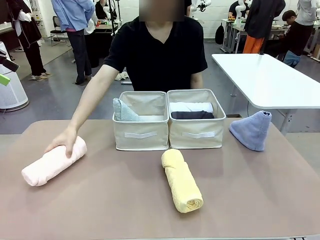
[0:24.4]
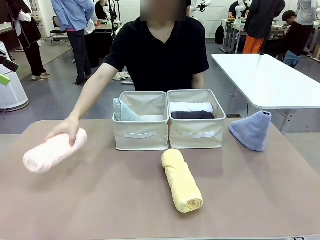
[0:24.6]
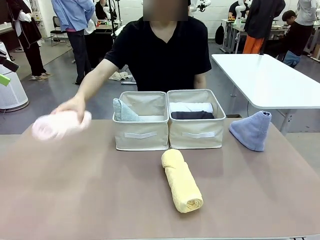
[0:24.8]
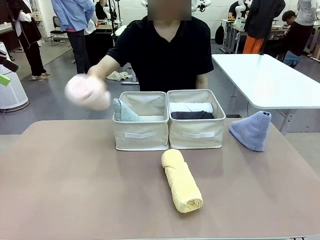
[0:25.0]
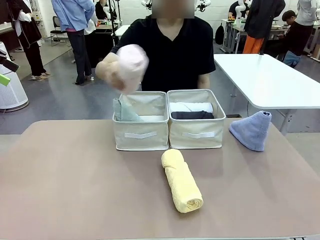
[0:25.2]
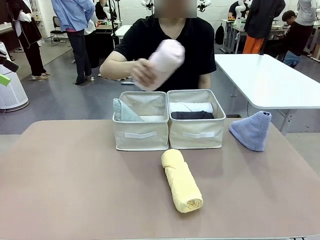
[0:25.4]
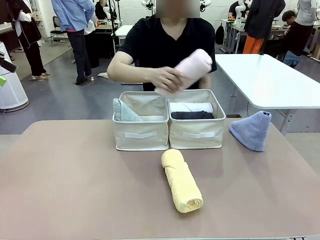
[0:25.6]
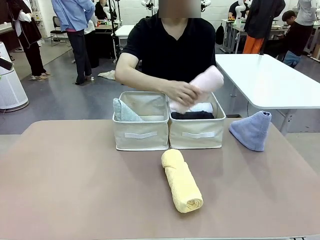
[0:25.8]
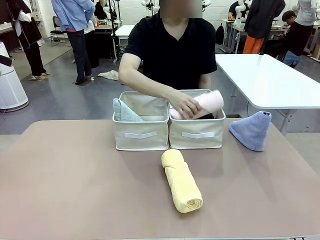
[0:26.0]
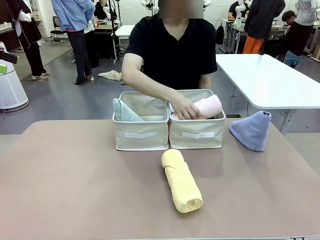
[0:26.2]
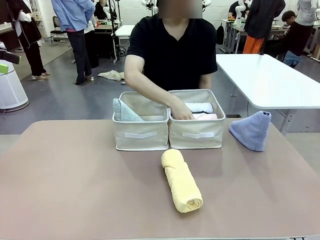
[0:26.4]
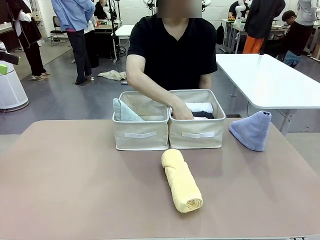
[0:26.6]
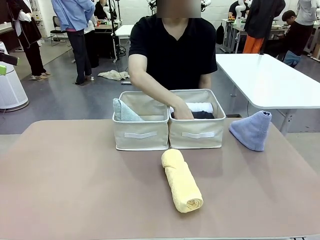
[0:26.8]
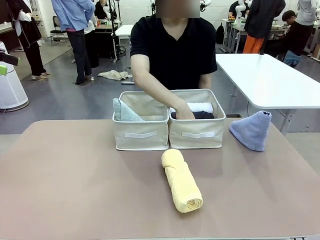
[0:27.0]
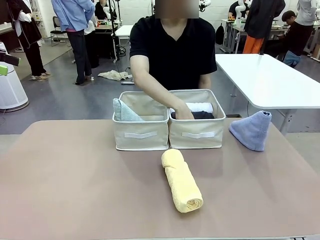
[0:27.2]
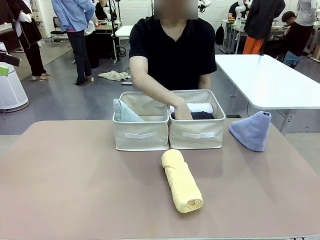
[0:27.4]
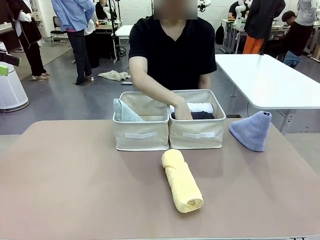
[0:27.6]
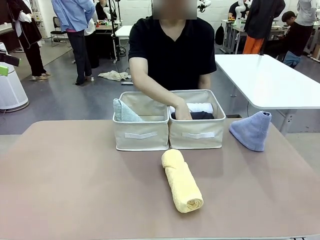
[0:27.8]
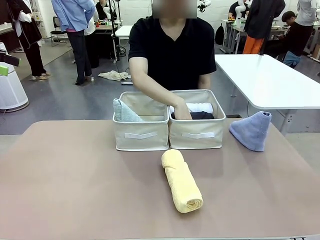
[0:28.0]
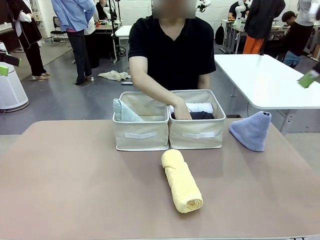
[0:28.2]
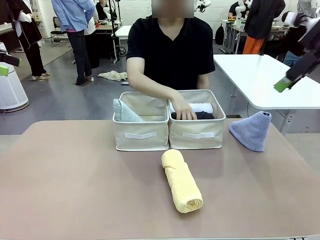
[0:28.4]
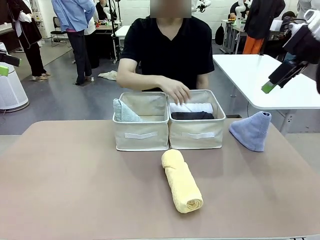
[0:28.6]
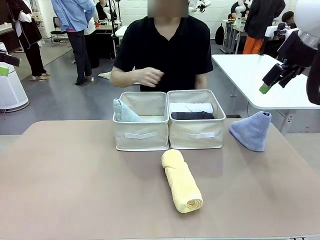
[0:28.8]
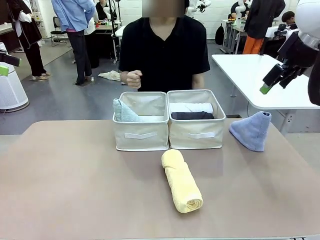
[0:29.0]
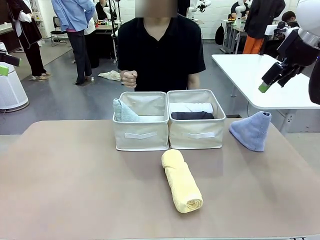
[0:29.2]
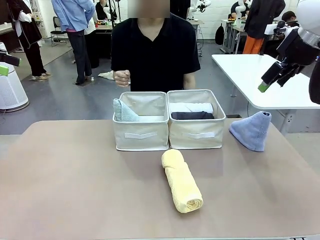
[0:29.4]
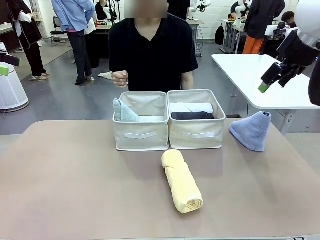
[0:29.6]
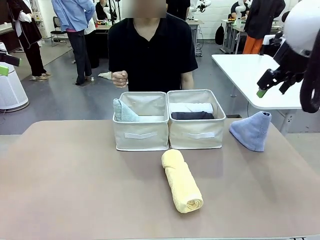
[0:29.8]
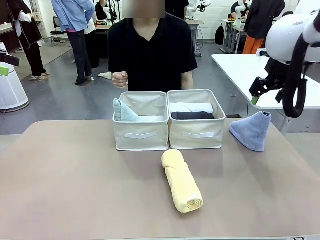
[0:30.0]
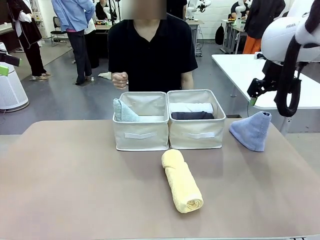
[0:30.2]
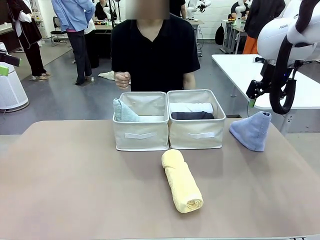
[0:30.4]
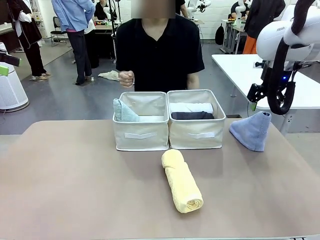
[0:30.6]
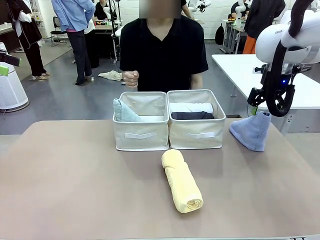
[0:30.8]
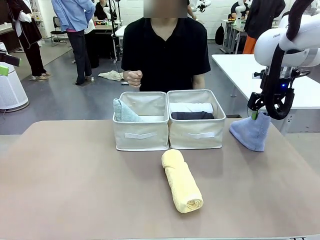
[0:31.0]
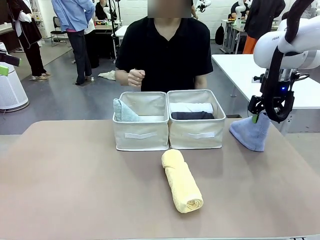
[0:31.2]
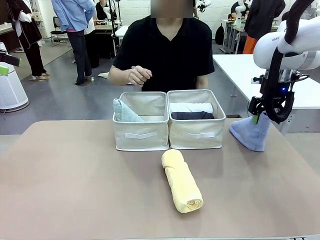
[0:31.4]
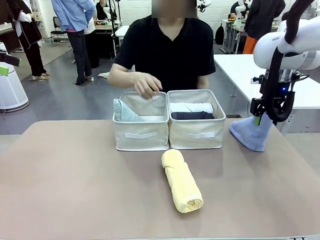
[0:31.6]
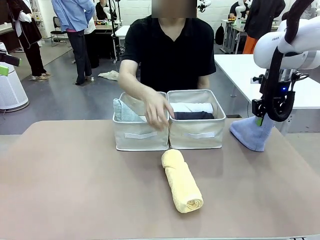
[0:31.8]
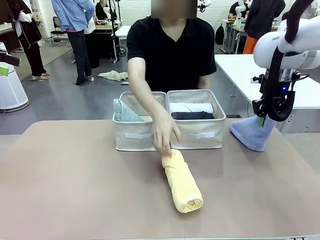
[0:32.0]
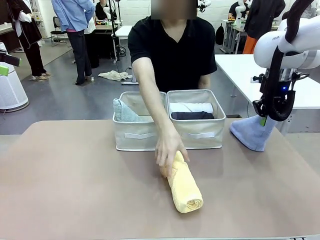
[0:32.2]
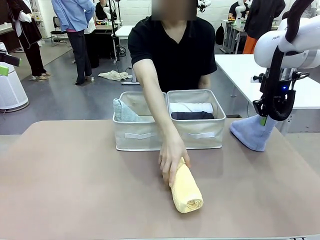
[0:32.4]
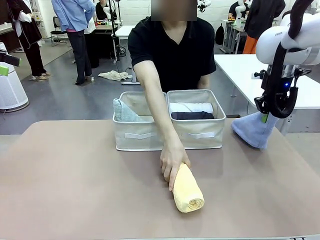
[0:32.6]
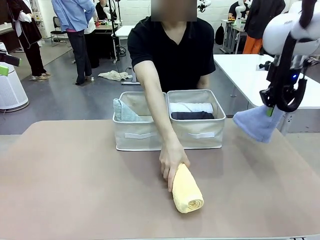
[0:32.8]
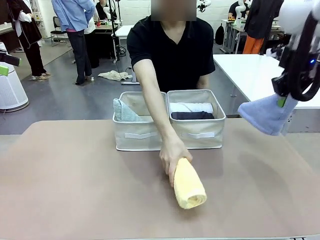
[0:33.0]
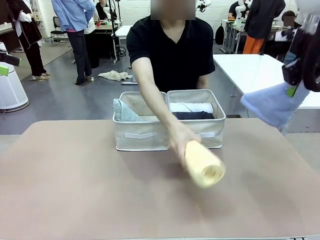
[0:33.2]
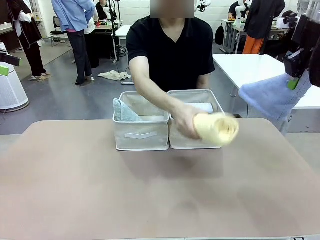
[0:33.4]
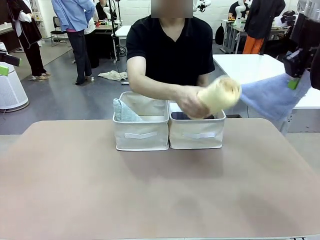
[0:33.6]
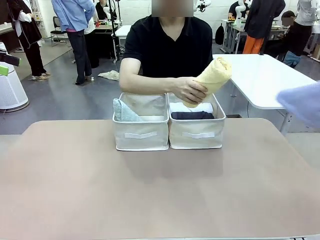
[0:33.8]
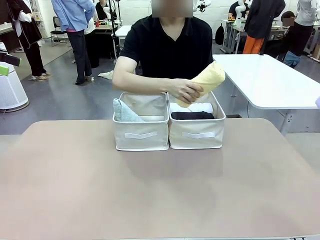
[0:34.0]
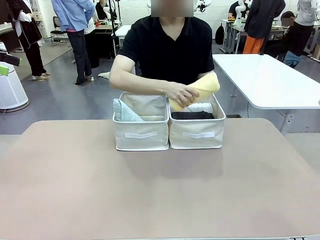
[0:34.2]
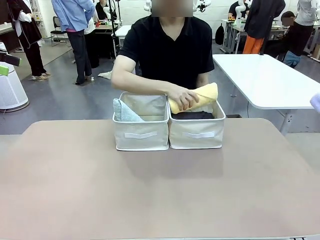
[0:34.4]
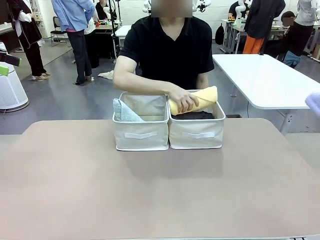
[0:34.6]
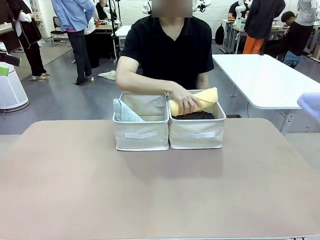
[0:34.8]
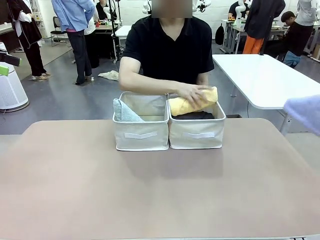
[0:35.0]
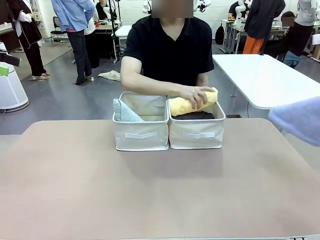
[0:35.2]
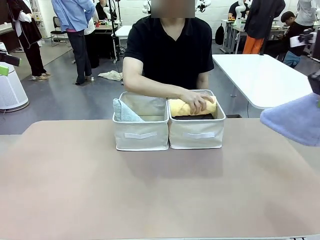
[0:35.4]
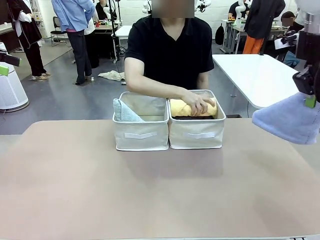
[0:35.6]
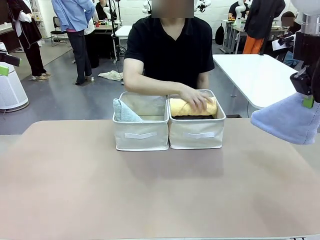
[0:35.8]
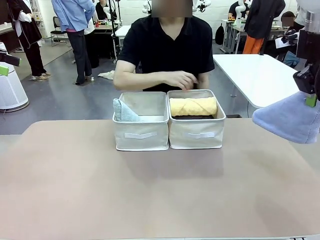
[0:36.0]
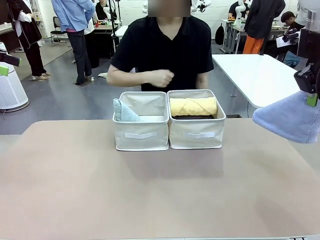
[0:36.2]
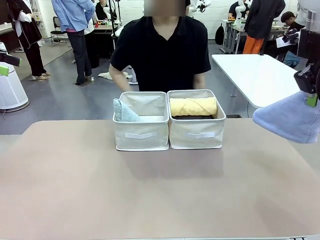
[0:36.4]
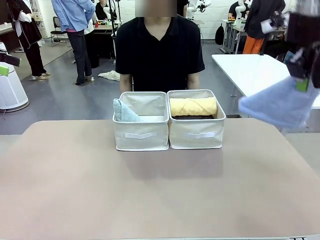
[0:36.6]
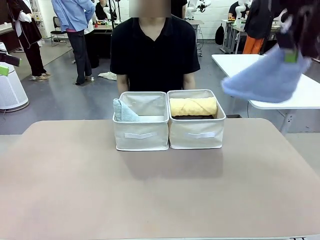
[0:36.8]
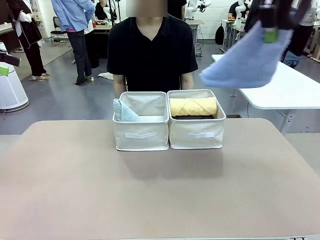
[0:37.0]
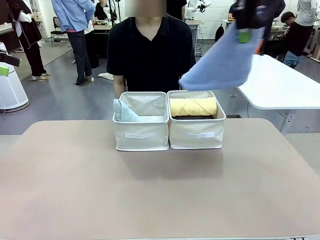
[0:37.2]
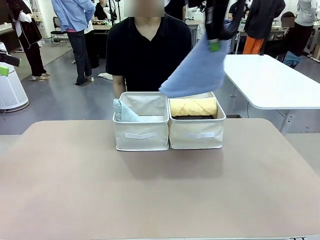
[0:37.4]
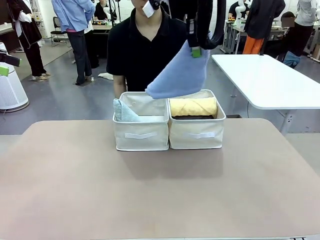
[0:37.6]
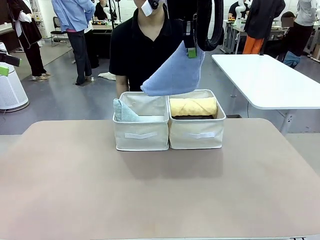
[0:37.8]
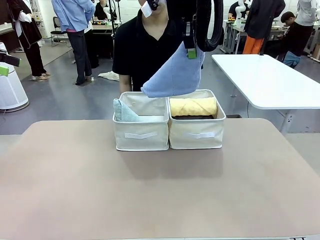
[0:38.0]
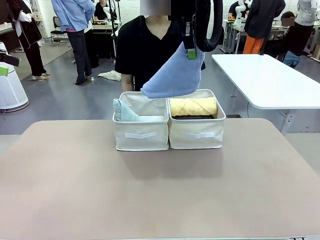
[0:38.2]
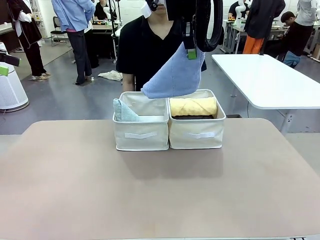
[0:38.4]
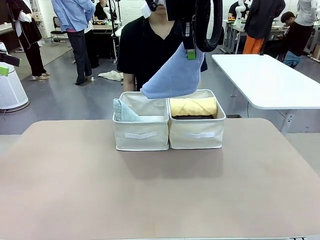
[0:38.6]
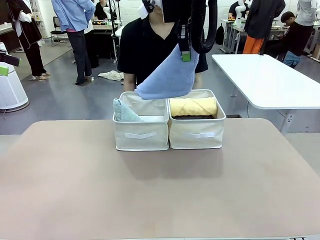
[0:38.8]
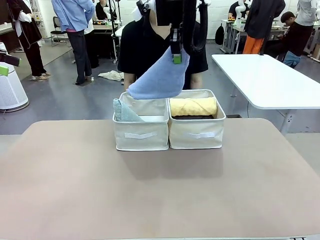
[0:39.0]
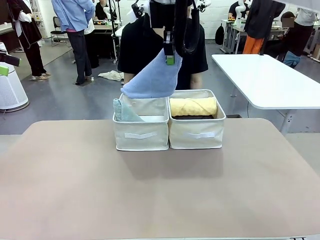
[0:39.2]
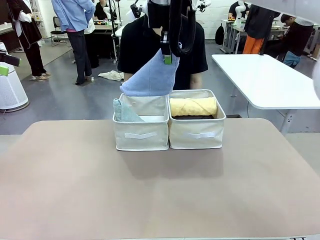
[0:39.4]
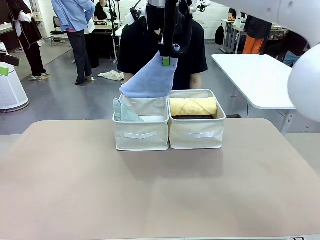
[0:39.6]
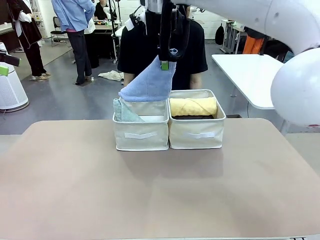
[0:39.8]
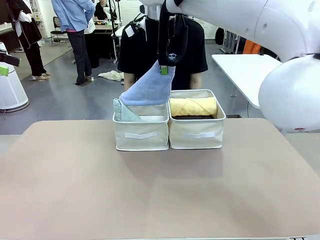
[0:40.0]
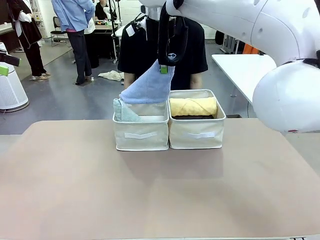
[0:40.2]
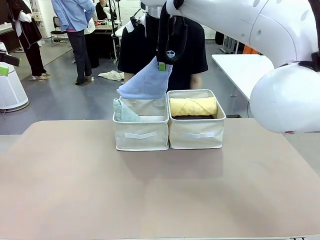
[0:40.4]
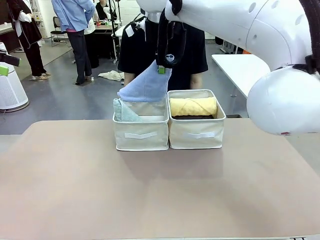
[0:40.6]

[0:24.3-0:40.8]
Task: Sort the towels based on their folding style.
Robot: Pick up another triangle-folded towel from the table and place it in the left Fabric basket.
